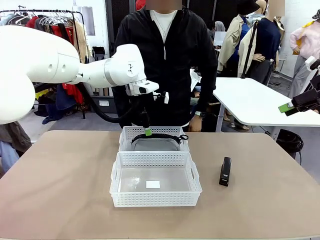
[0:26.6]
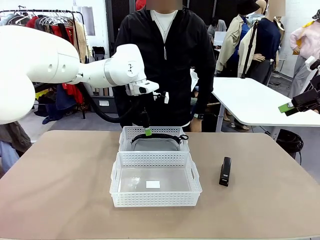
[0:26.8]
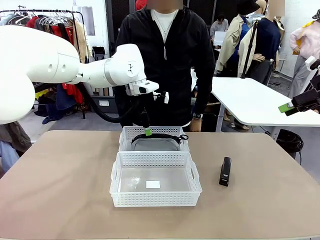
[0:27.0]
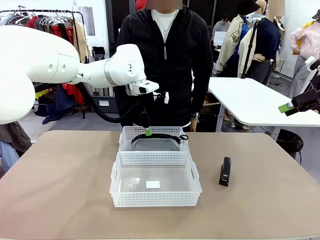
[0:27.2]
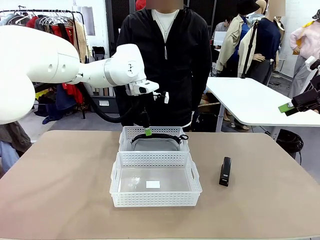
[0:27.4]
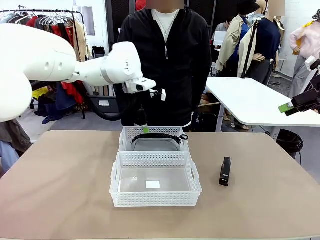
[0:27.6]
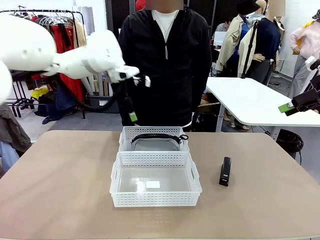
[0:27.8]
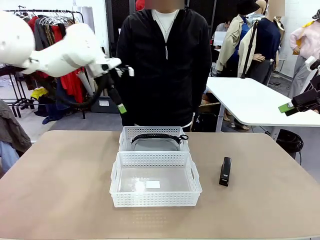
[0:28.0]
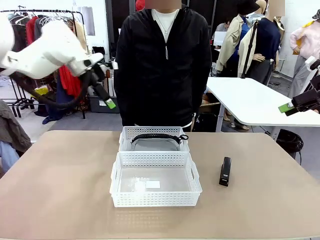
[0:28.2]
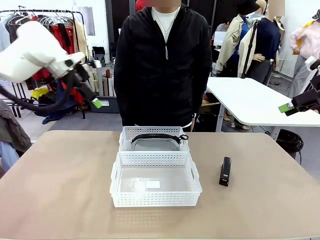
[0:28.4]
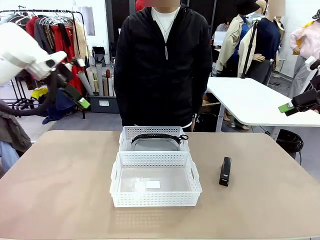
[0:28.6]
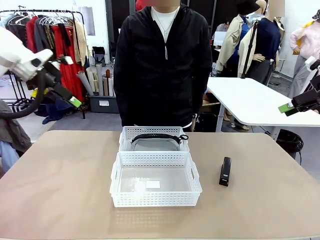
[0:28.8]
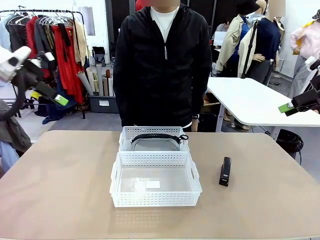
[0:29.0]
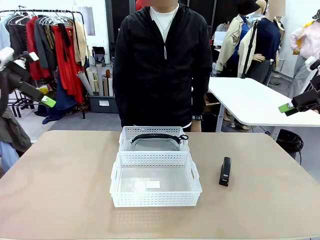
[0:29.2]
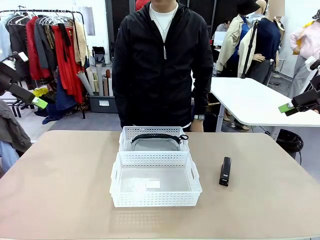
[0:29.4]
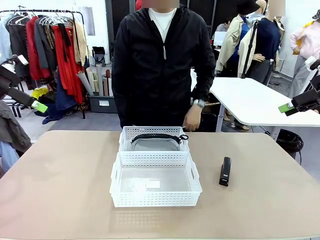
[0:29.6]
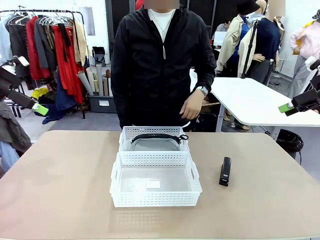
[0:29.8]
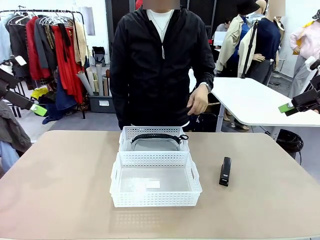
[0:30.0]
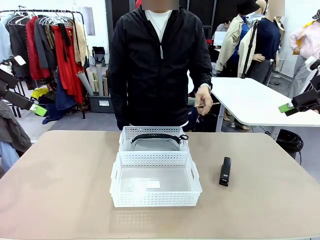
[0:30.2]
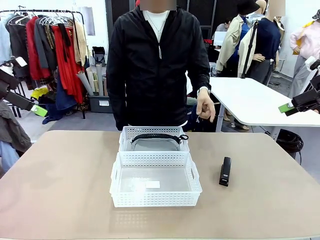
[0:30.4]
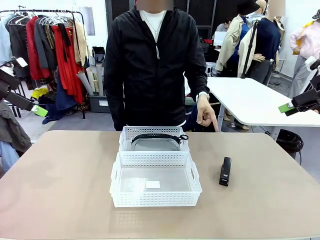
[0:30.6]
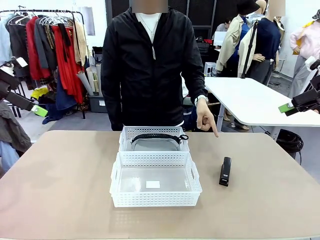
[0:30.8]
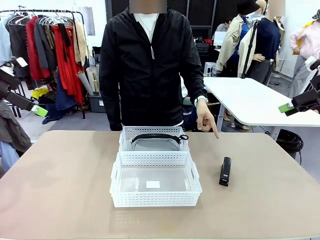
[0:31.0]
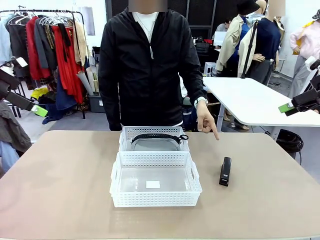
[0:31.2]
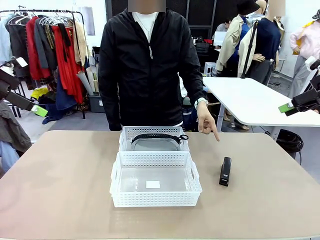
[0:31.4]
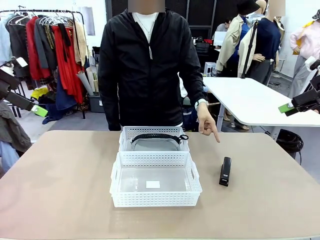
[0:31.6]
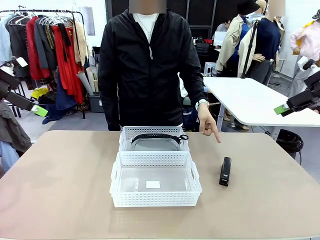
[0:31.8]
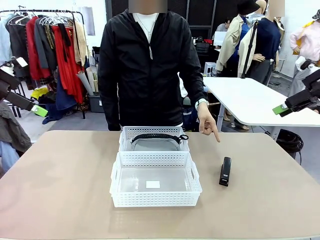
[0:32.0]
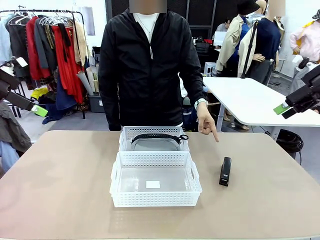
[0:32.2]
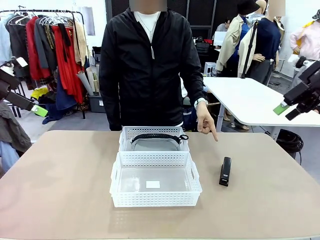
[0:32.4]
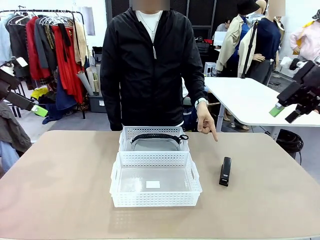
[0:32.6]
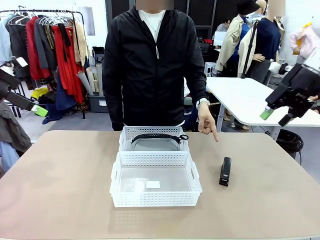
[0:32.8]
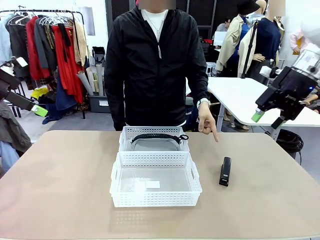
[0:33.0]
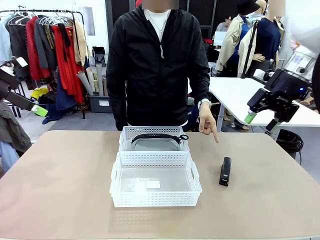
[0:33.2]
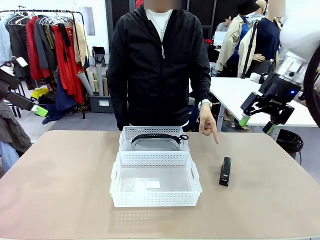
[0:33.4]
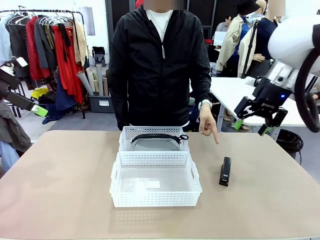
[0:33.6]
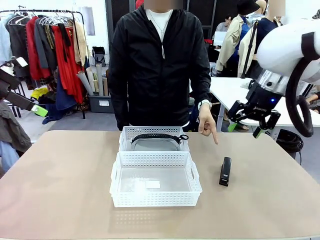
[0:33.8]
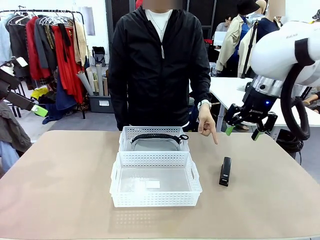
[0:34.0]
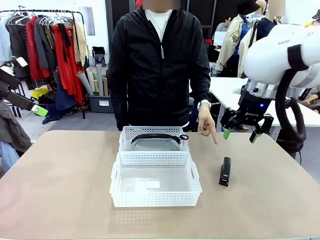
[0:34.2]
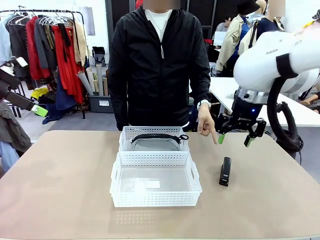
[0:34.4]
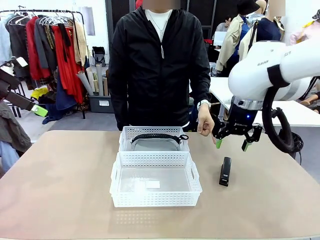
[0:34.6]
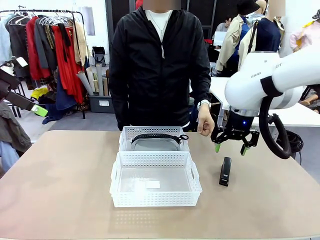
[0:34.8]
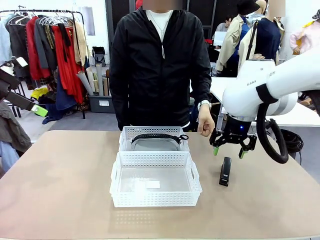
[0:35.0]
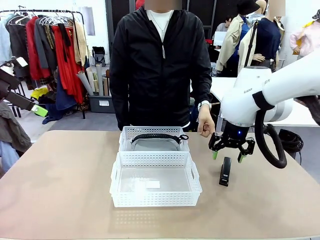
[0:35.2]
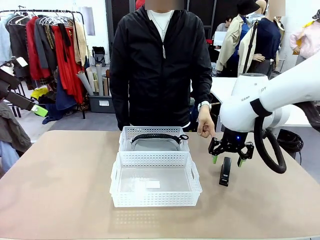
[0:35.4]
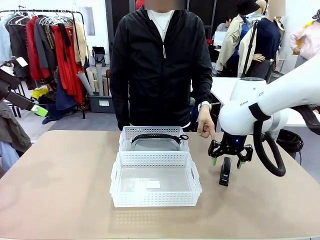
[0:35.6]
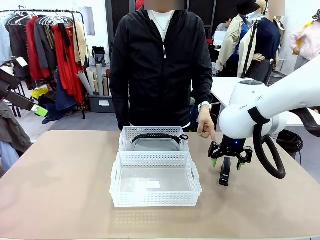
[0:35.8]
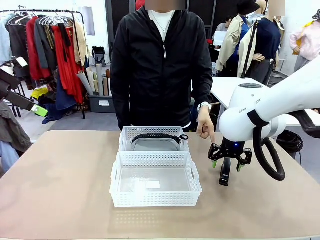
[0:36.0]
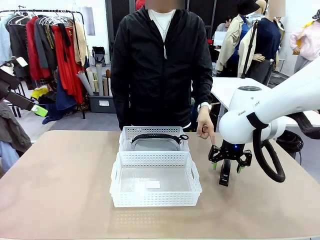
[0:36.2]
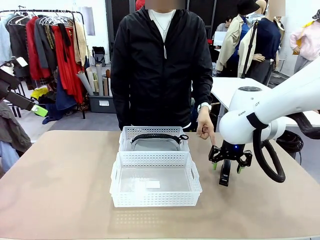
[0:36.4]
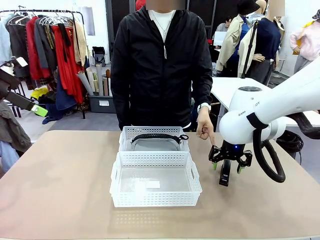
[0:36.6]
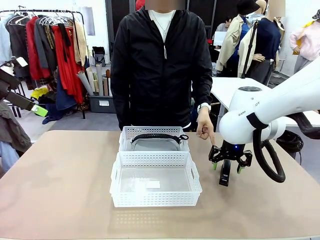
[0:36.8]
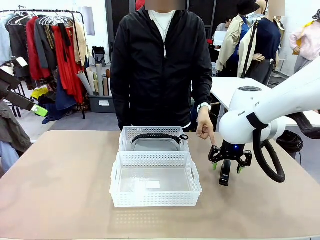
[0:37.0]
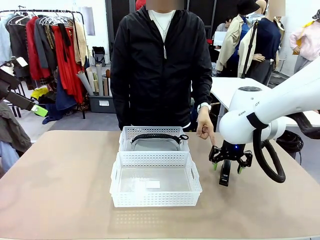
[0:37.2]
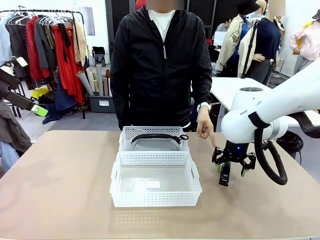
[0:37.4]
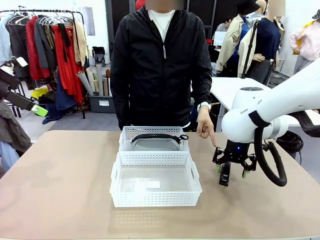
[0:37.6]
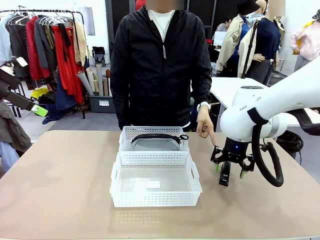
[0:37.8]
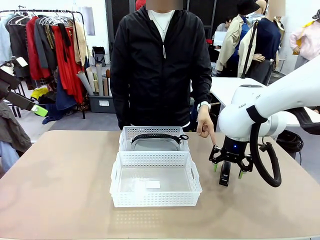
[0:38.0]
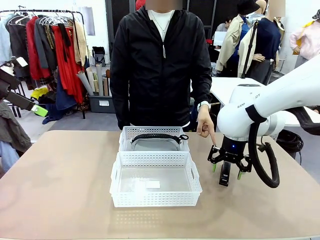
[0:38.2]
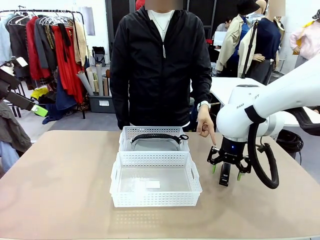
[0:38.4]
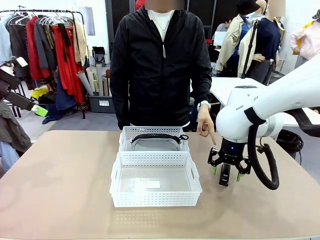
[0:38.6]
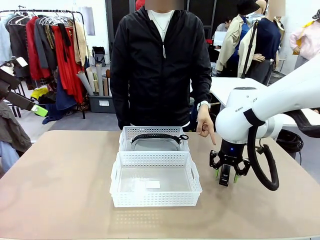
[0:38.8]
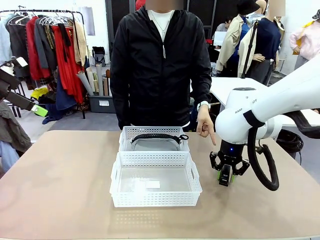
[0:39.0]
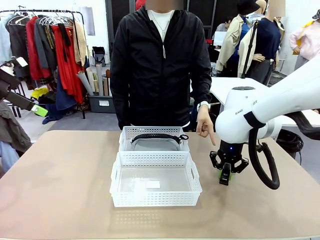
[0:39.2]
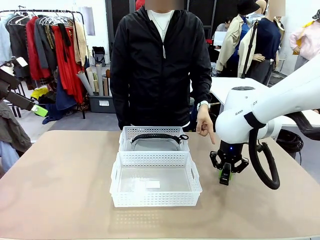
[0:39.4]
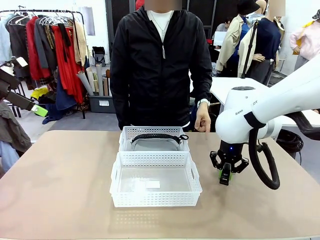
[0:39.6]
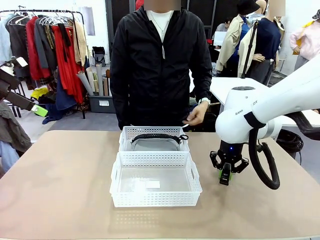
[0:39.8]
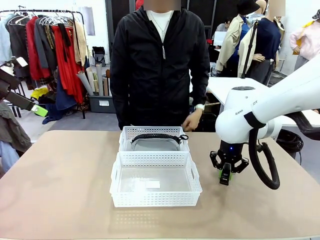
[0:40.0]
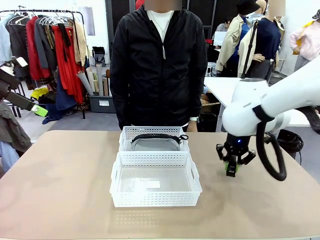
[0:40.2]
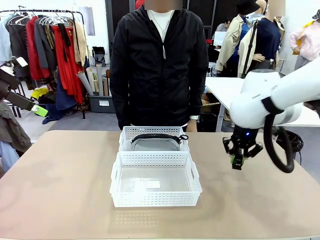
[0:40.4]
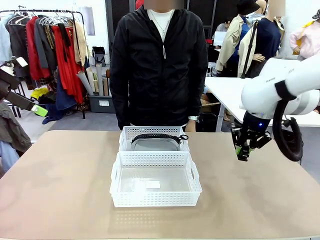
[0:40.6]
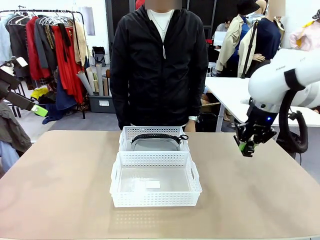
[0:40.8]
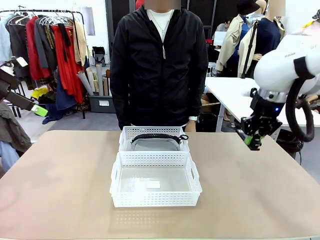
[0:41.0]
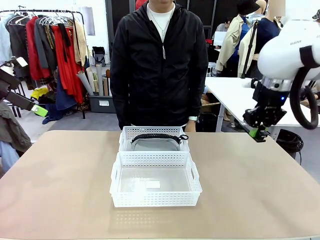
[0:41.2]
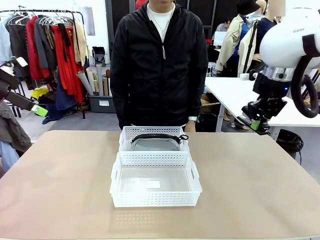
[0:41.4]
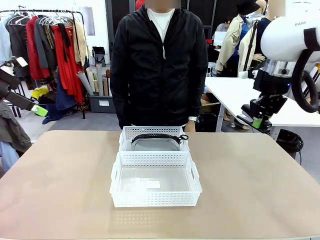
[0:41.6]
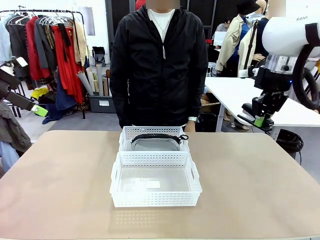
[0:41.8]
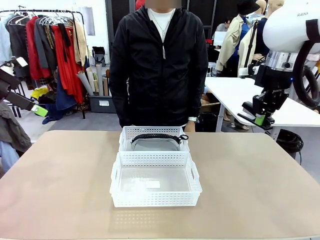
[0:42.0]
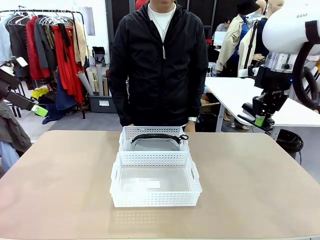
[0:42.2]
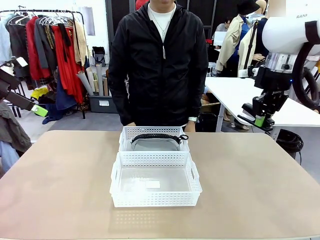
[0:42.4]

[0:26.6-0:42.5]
Task: Distribute items into two baskets.
Robot: Pick up the Stapler that the person points to.
